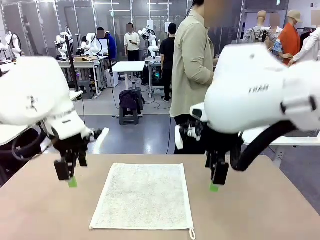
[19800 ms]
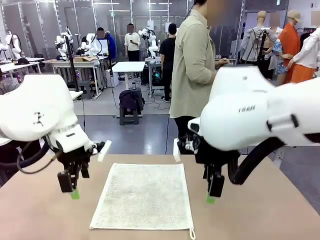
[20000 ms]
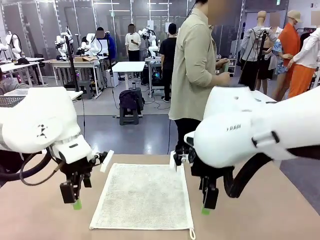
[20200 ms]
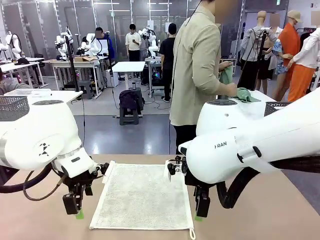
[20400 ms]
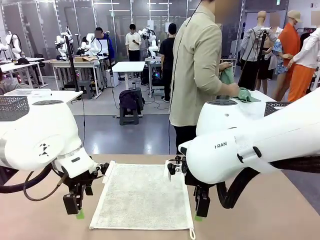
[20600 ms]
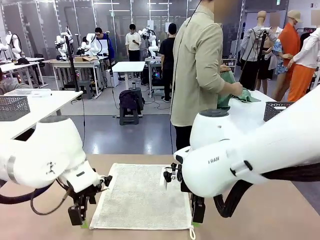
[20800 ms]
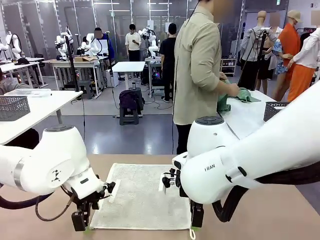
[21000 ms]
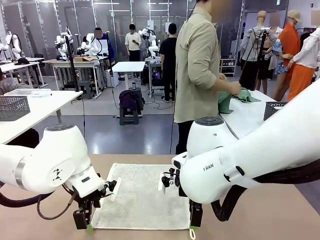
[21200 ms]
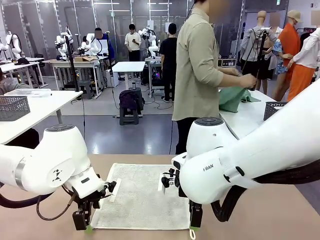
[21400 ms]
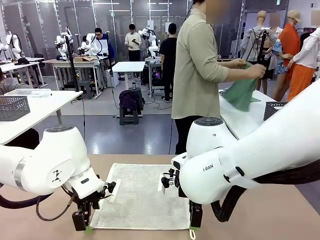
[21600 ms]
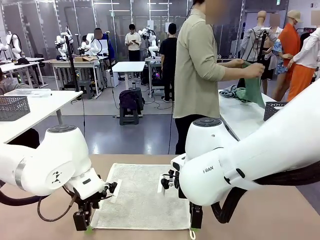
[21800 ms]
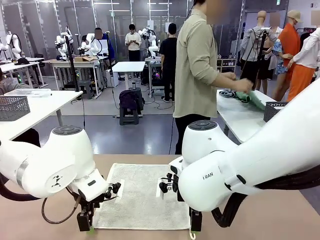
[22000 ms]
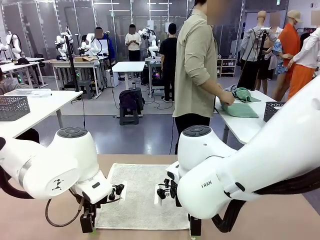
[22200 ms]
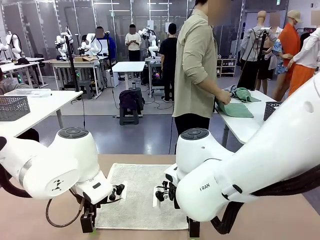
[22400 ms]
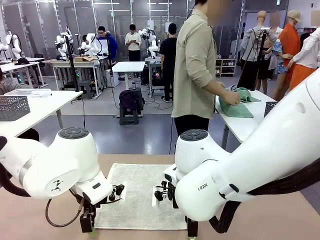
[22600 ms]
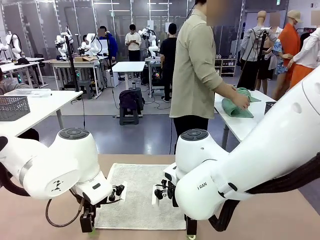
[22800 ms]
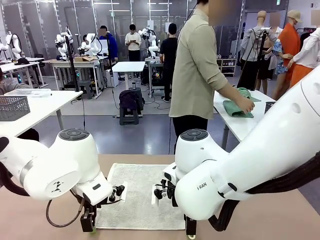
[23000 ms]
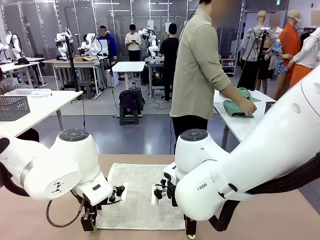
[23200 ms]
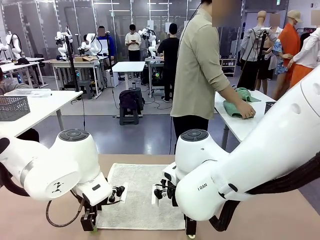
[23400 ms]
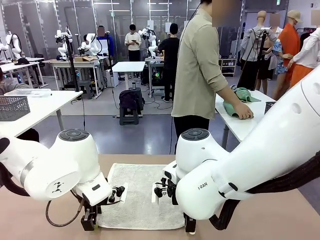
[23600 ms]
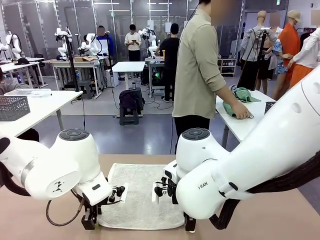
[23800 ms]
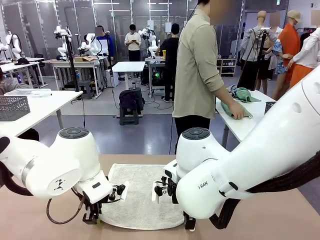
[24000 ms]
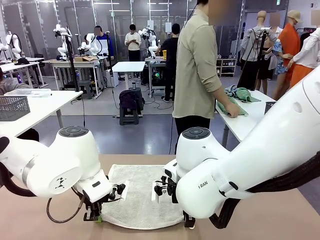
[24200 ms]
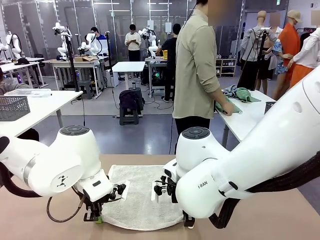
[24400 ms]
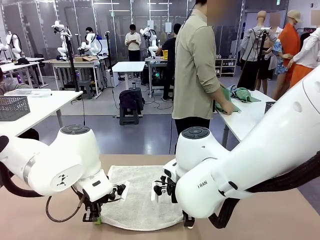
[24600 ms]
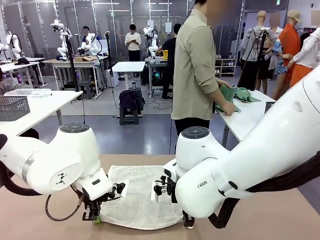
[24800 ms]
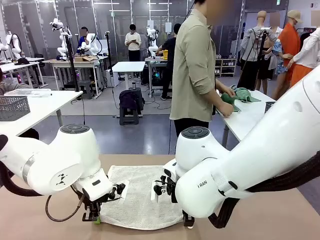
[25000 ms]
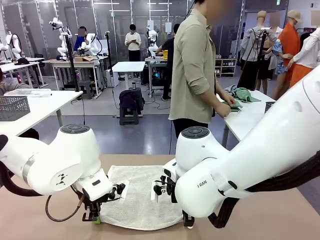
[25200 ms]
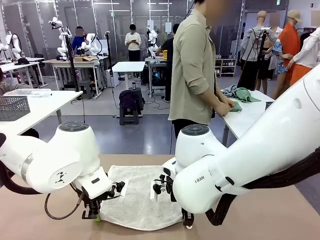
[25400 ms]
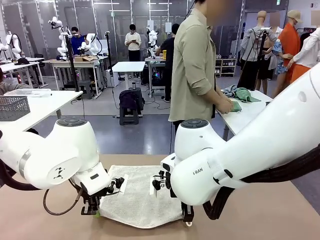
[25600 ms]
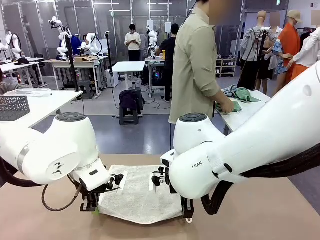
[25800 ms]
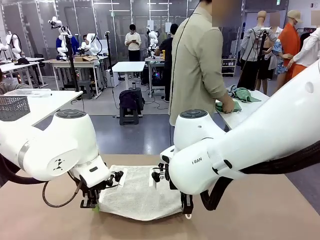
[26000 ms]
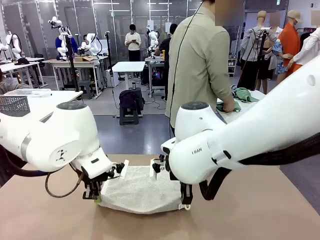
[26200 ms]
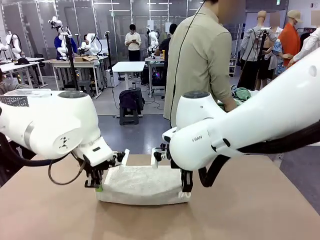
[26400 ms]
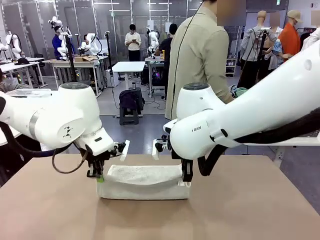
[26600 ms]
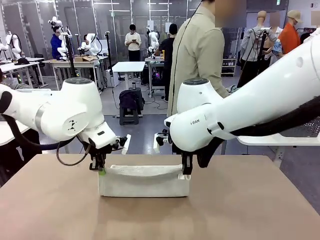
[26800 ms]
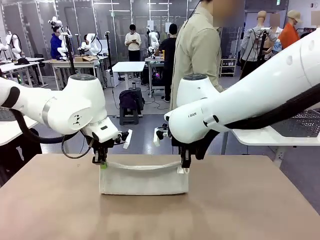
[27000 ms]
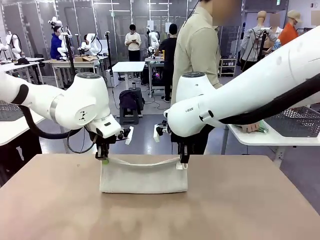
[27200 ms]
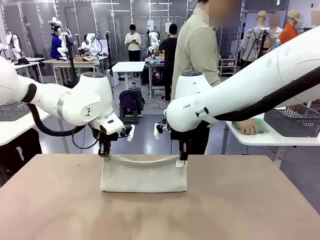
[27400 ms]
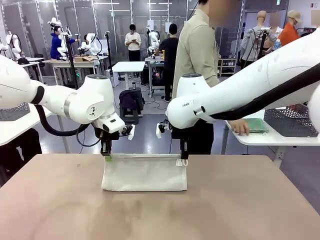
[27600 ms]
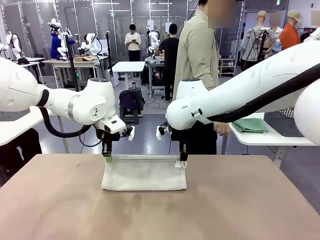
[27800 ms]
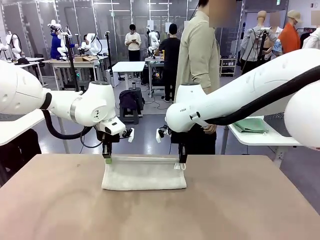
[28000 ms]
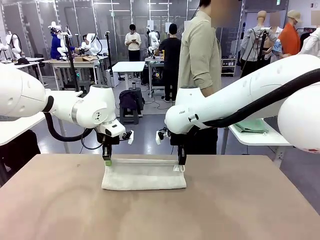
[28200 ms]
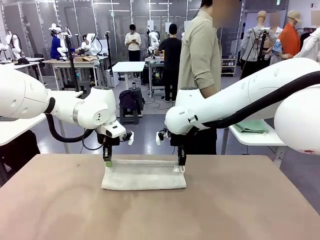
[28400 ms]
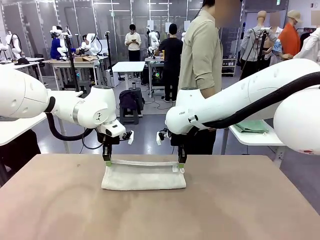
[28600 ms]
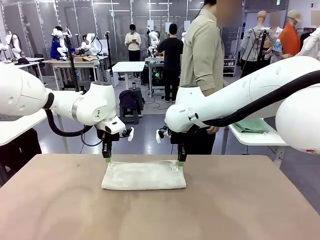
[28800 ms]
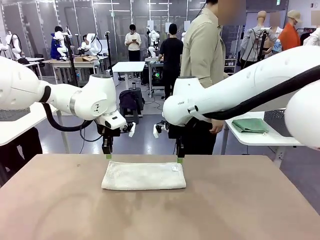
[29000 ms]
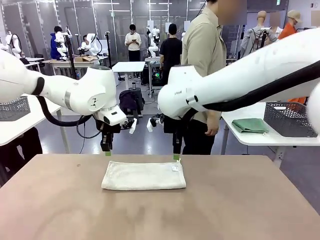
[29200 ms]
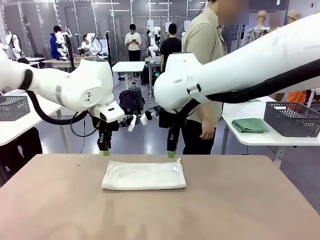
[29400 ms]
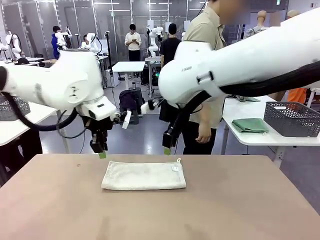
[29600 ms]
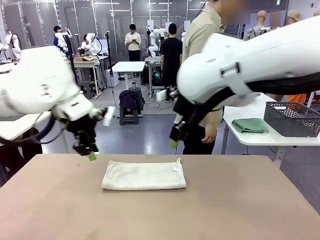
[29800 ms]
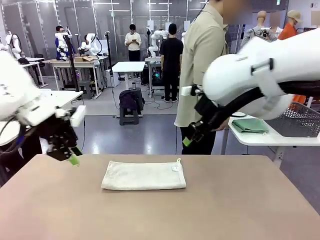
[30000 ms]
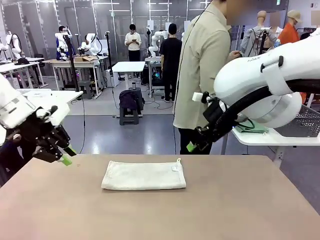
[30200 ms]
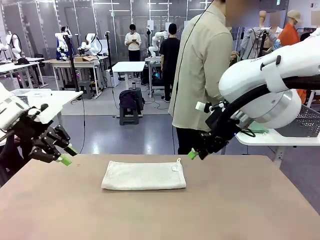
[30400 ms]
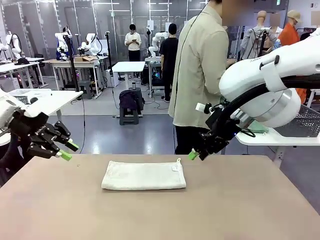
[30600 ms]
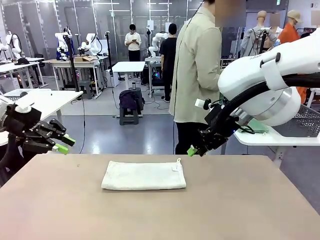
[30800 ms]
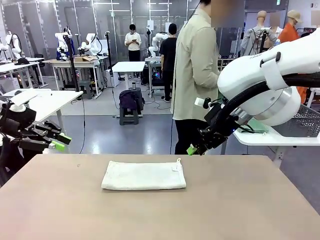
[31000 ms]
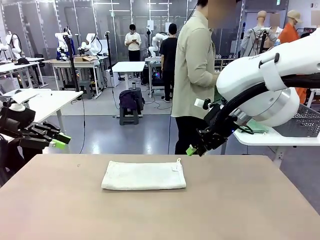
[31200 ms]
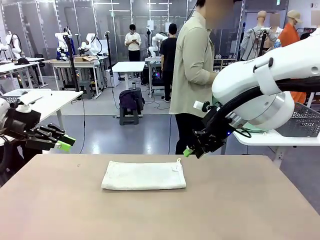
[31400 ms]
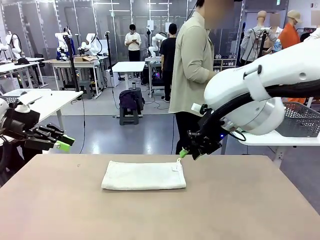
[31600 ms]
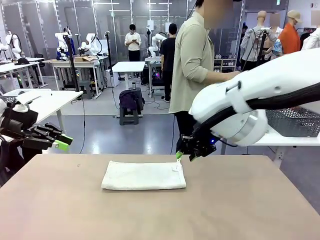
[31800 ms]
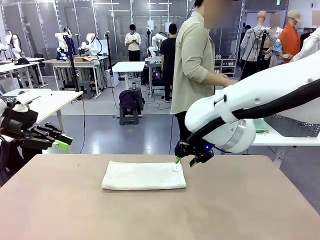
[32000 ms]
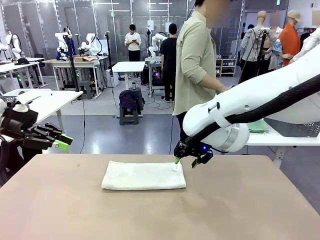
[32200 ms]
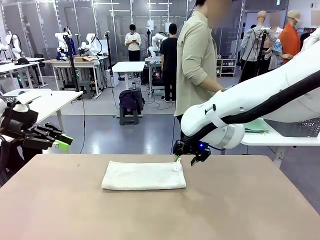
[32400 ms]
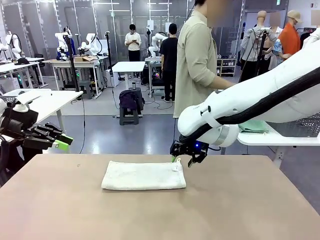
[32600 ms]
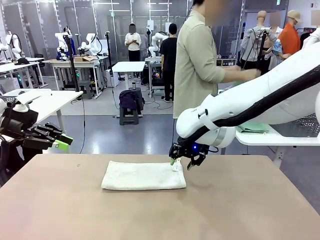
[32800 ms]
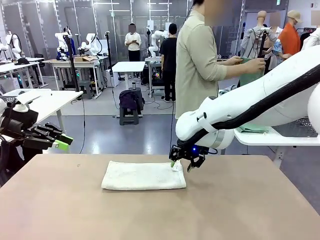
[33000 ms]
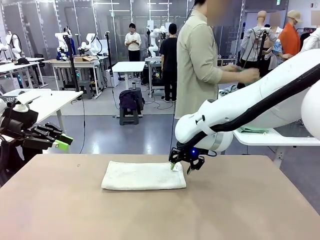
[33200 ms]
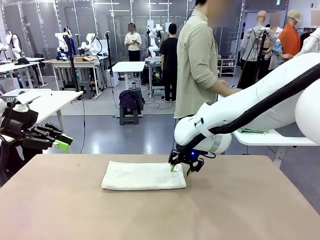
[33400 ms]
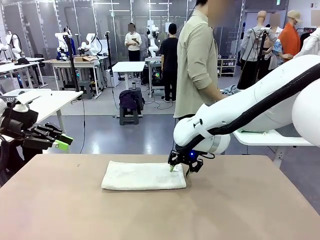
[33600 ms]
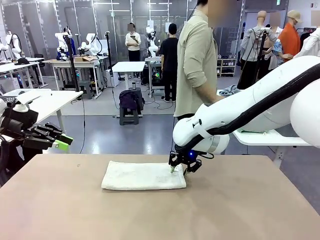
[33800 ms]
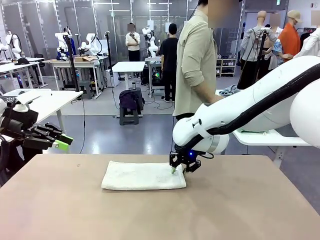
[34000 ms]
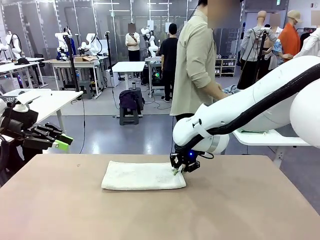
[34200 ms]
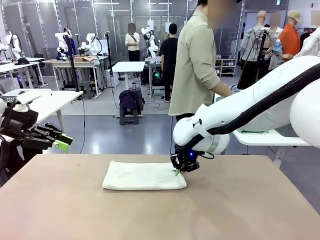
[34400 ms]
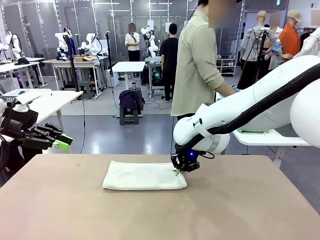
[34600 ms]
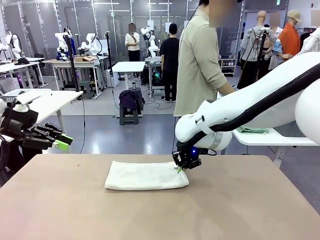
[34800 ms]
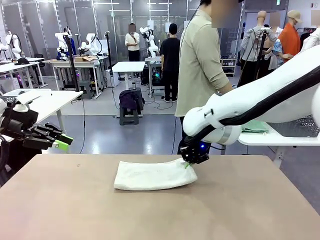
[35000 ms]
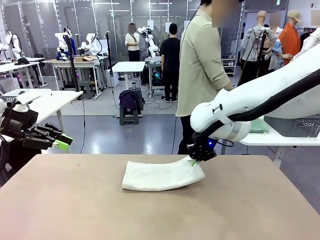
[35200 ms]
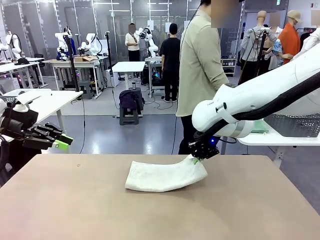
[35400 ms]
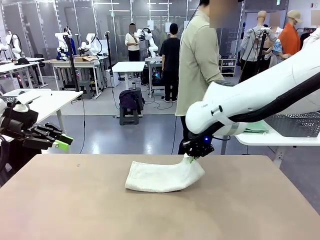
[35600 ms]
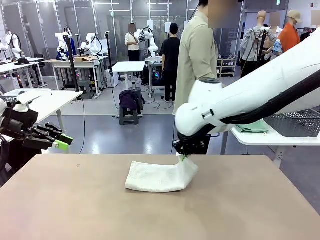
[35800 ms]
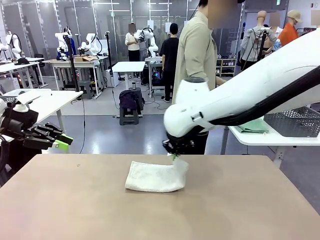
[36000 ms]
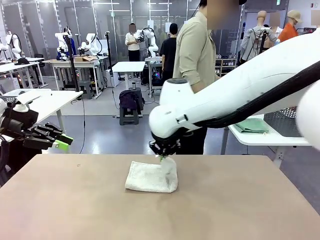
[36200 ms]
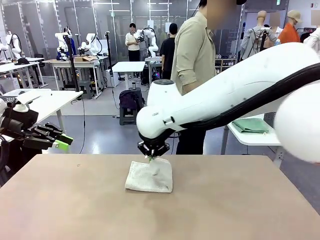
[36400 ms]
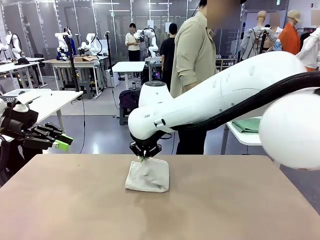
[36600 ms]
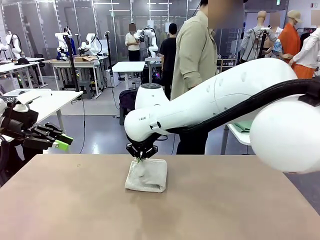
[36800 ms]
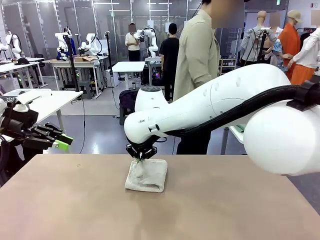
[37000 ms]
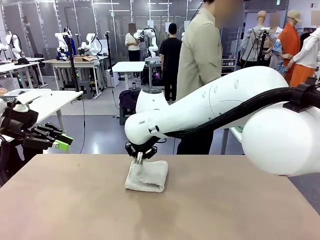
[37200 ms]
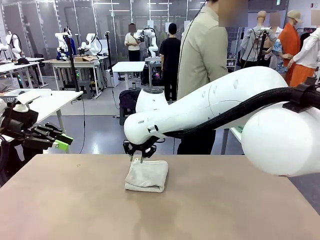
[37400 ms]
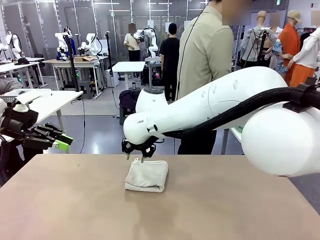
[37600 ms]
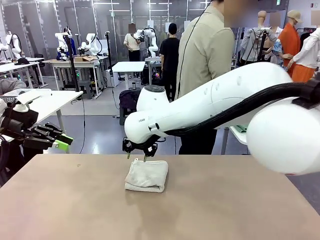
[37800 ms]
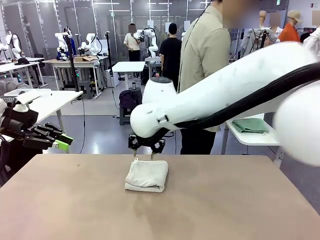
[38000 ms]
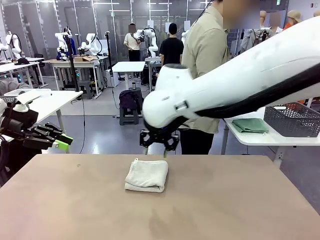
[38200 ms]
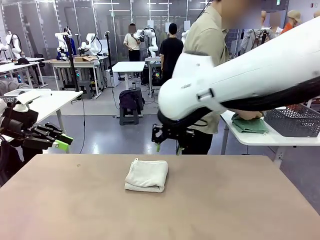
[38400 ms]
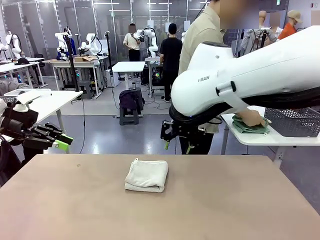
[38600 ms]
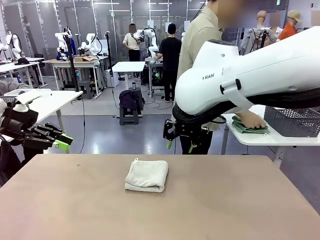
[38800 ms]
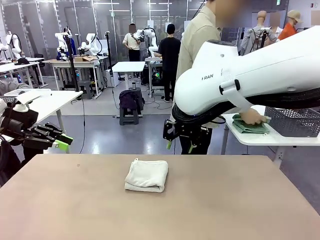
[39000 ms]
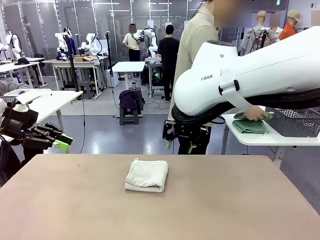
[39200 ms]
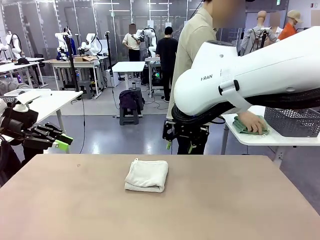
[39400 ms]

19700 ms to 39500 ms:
Task: Fold the towels and place them in the basket.
Robot: When a person lays out a Towel with hook on the table, fold it in half twice.
Person: Pick up one towel from the left side of the human table, fold it in half twice, and place it on the right side of the table. Pick up one towel from the left side of the human table, fold it in half twice, and stack it on the right side of the table.
